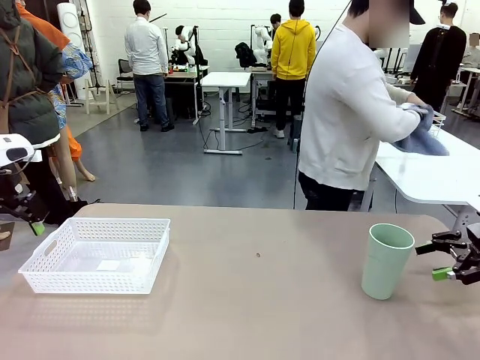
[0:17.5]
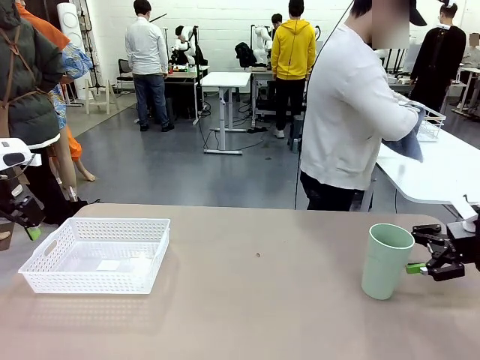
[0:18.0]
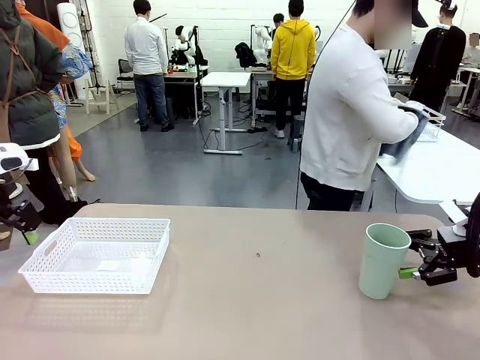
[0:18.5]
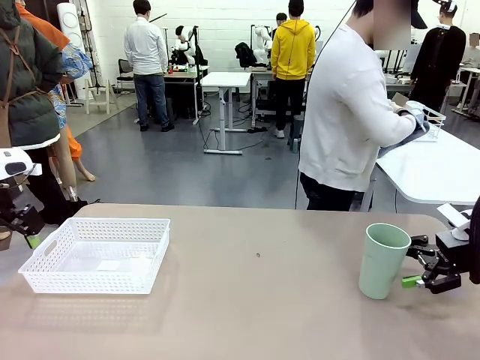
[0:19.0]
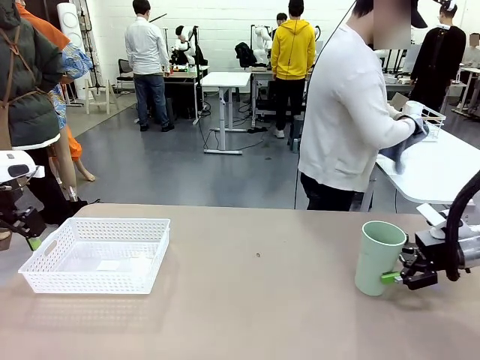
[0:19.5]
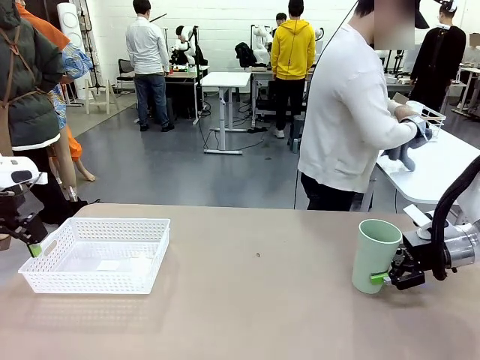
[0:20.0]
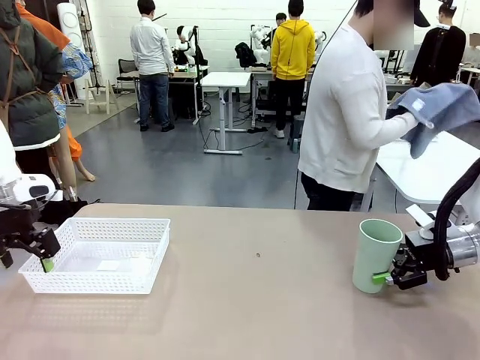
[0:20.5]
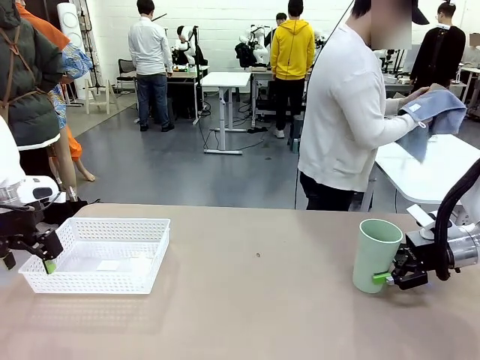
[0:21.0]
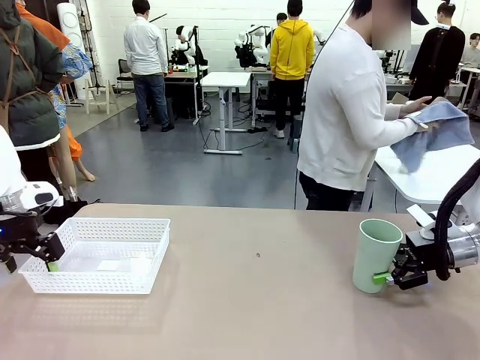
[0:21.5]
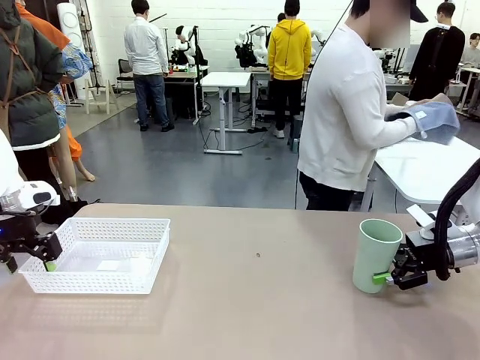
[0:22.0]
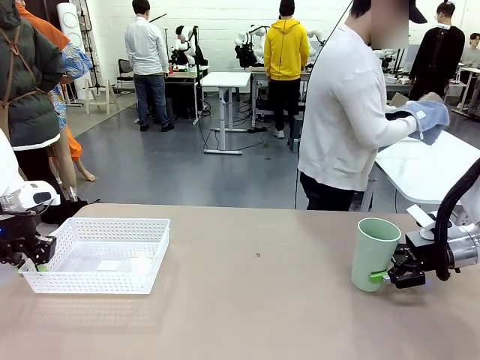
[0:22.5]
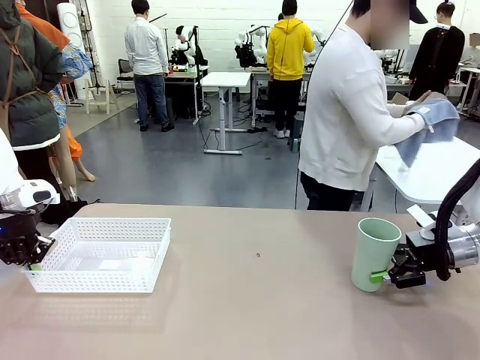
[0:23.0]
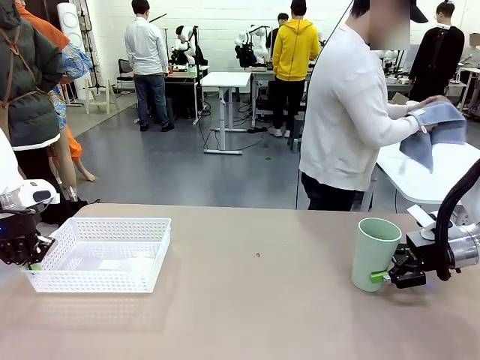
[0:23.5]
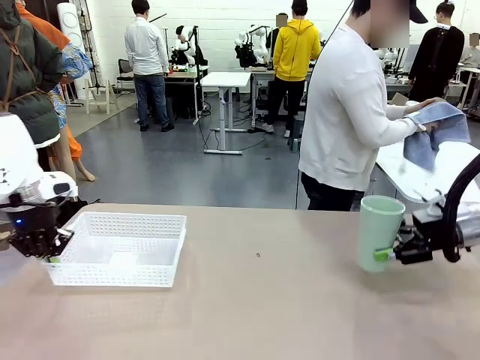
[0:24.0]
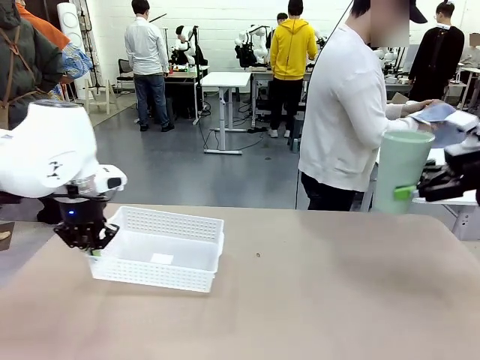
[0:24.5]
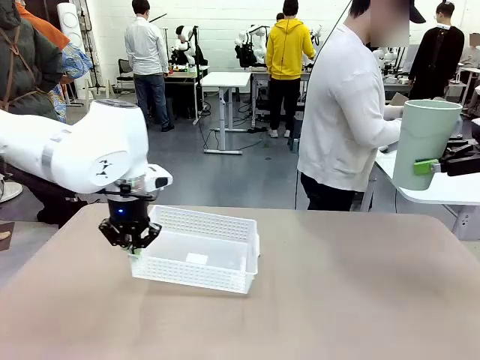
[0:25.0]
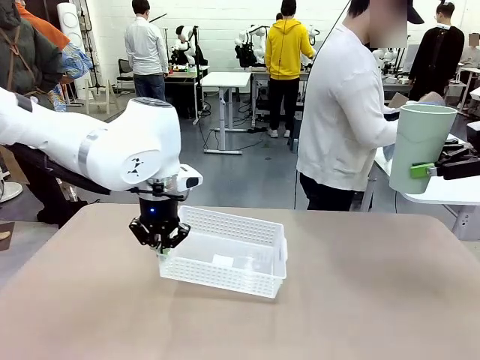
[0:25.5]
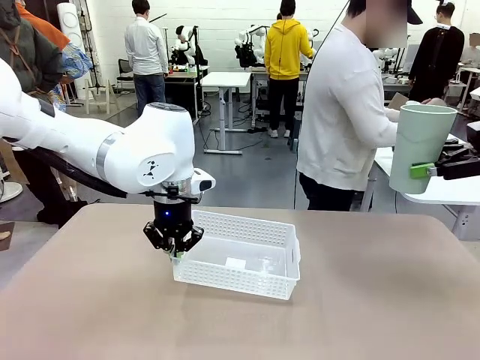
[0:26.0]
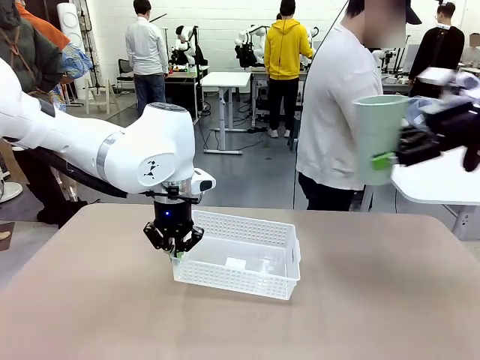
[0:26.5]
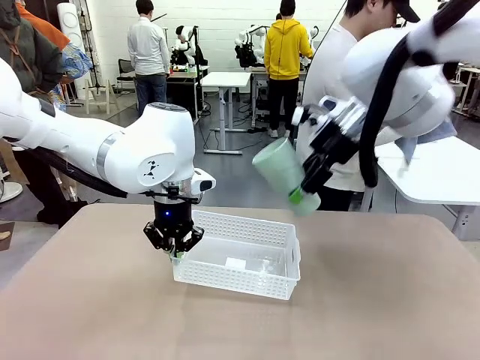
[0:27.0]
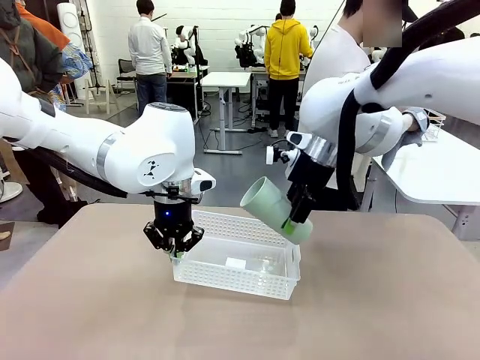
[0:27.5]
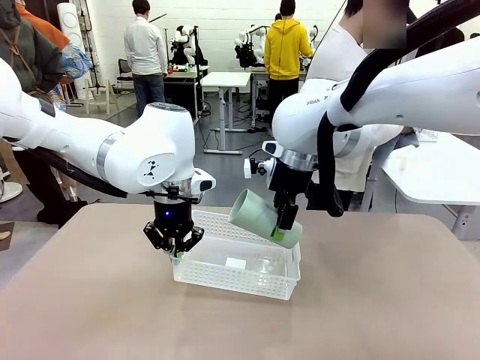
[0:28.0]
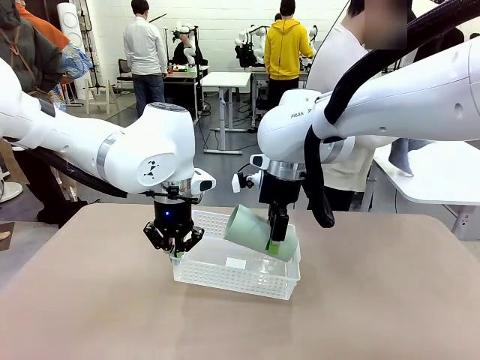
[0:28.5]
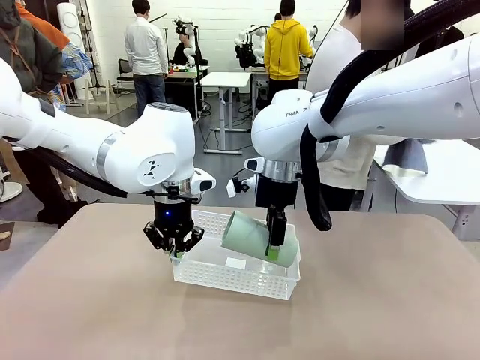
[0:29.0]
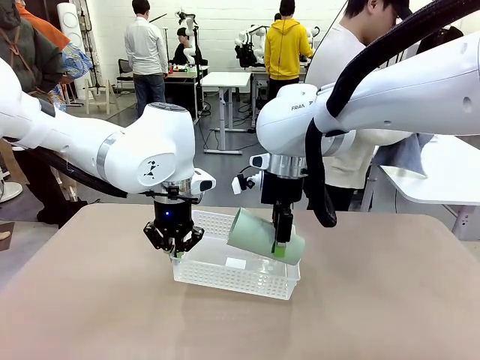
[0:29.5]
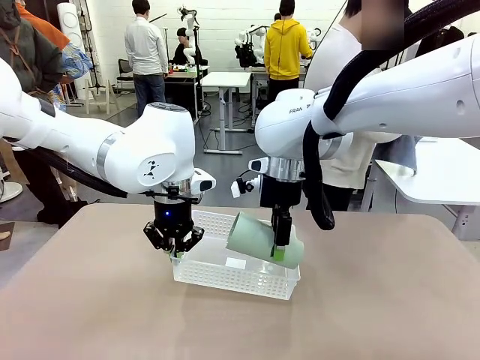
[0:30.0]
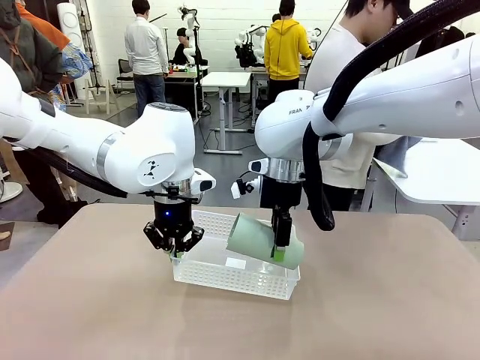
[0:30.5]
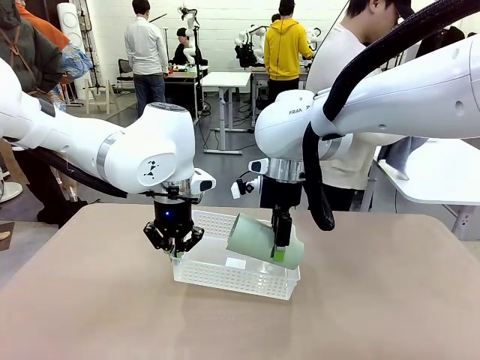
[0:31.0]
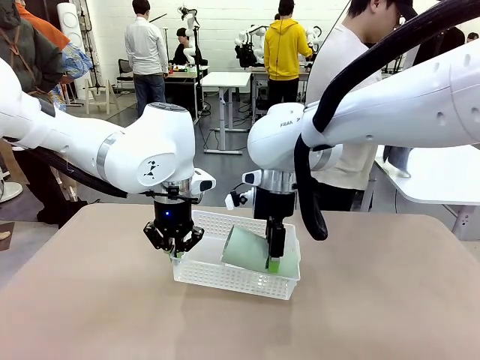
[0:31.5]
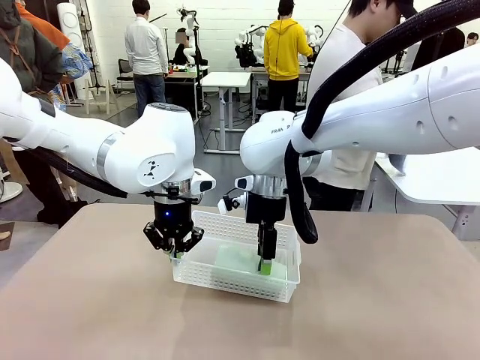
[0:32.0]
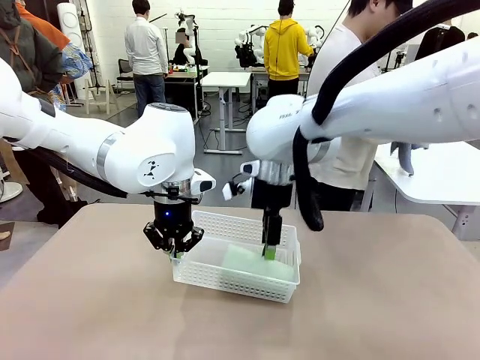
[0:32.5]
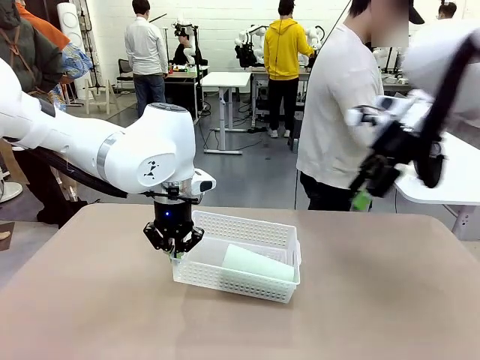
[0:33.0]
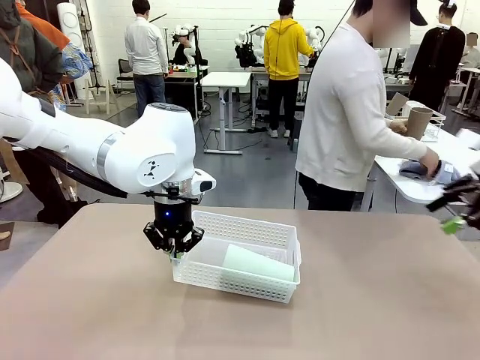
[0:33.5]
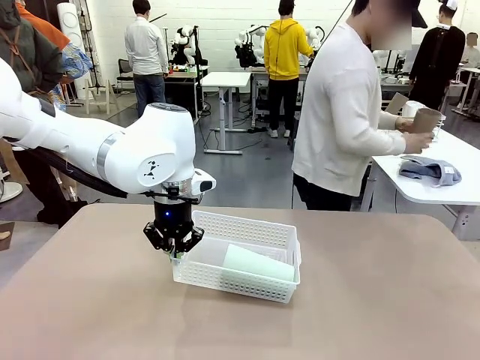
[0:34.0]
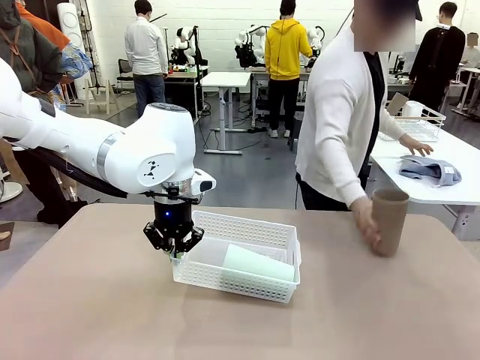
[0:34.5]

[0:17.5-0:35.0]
Task: Clean and organize the cups into the basket.
Robot: Pick up the Organizing basket and move it to the center of the table, then pick up the Reusable plastic cup from the right side of the table and place it inside the Organizing basket.
